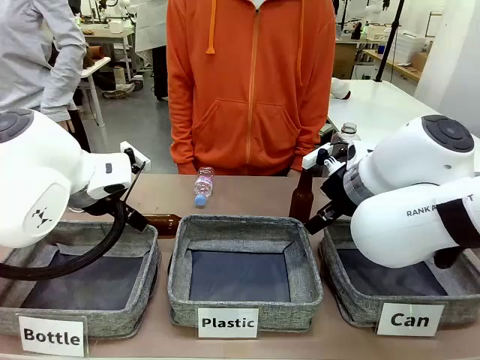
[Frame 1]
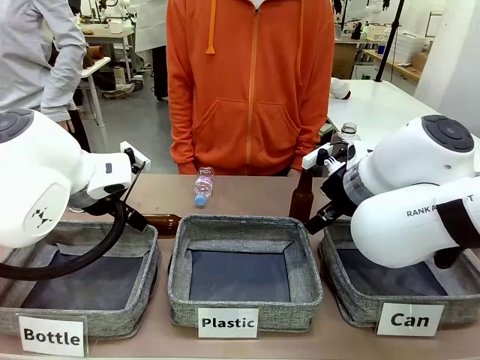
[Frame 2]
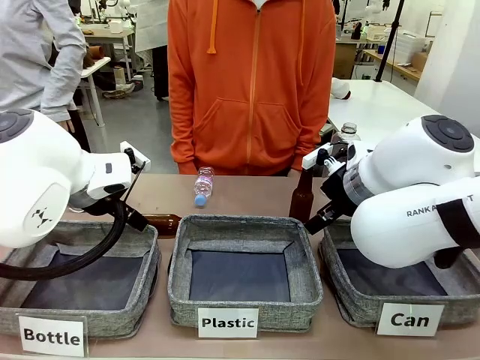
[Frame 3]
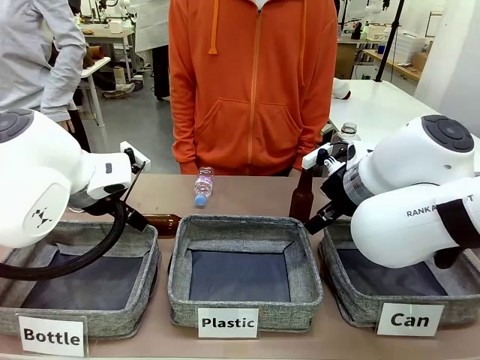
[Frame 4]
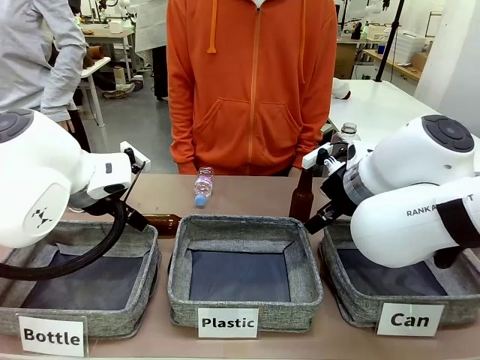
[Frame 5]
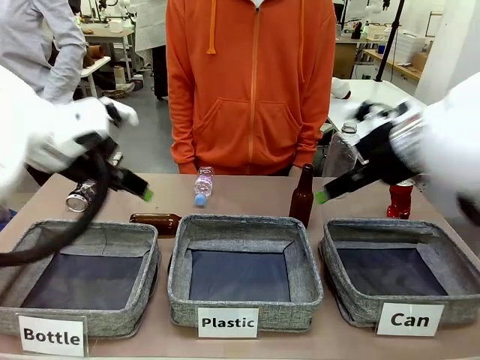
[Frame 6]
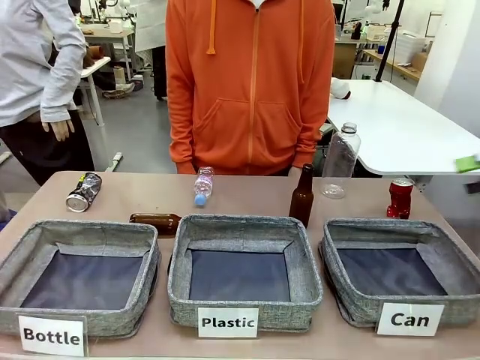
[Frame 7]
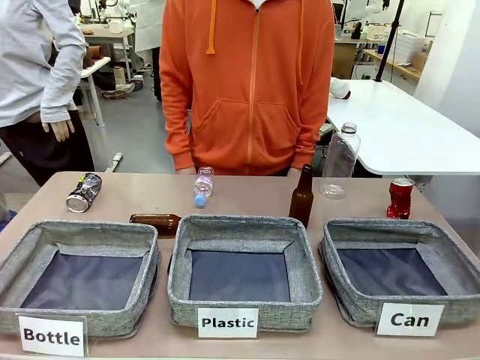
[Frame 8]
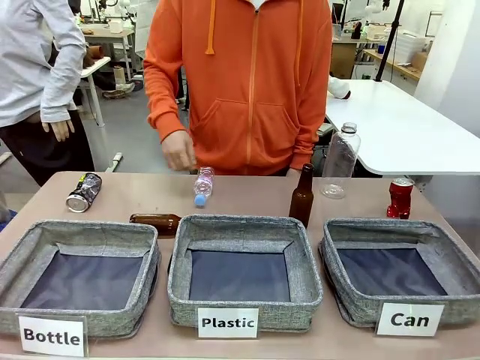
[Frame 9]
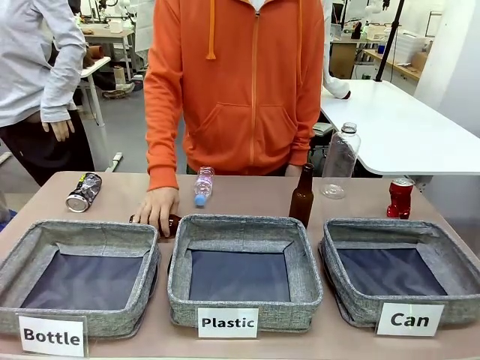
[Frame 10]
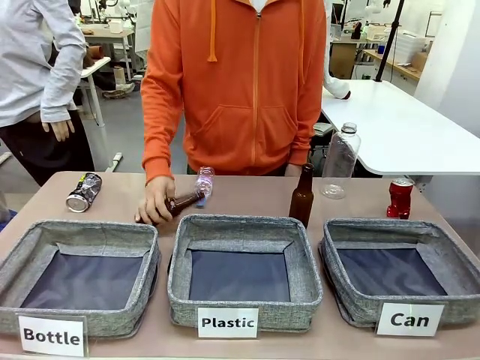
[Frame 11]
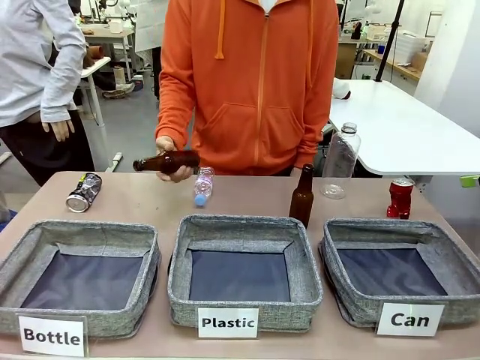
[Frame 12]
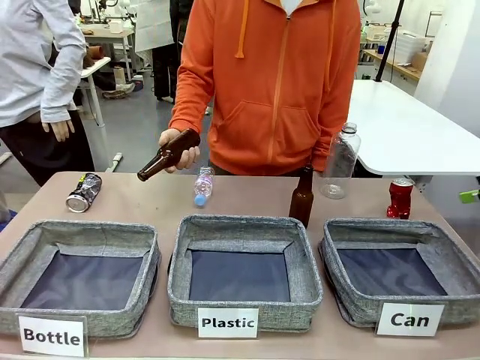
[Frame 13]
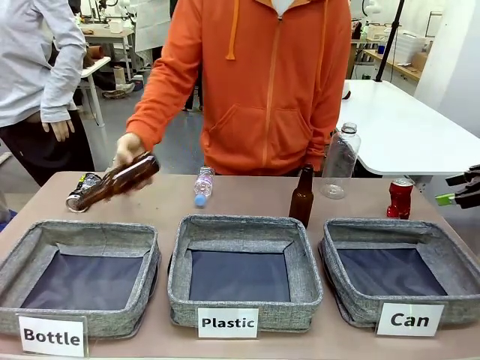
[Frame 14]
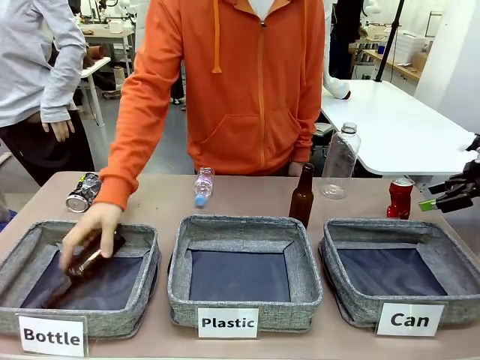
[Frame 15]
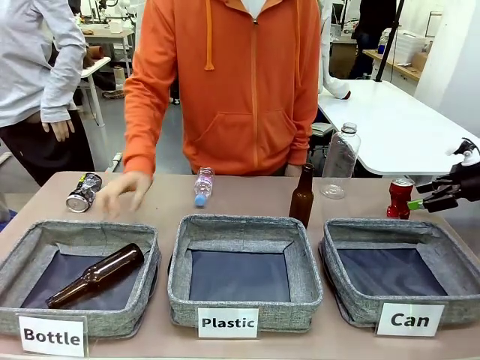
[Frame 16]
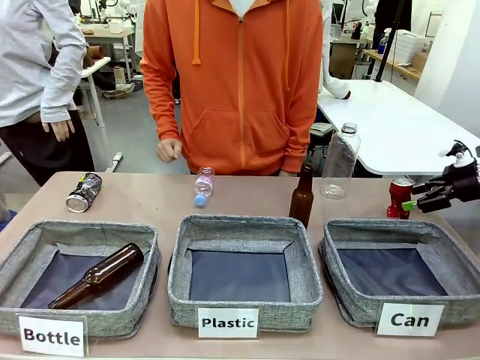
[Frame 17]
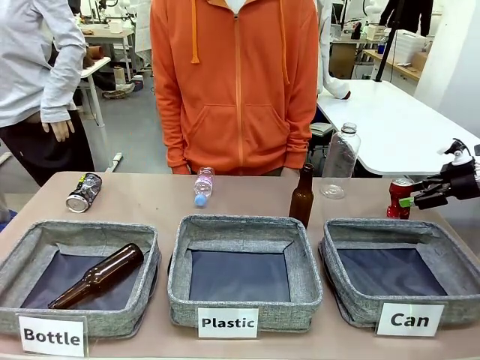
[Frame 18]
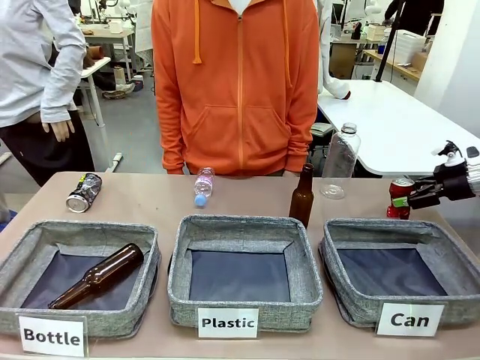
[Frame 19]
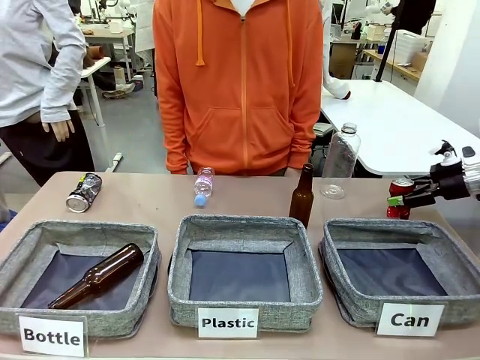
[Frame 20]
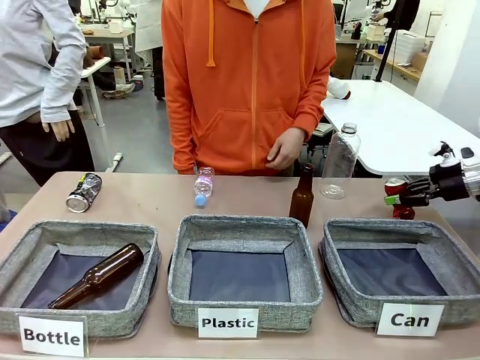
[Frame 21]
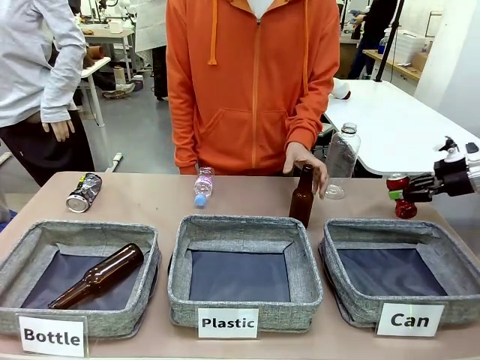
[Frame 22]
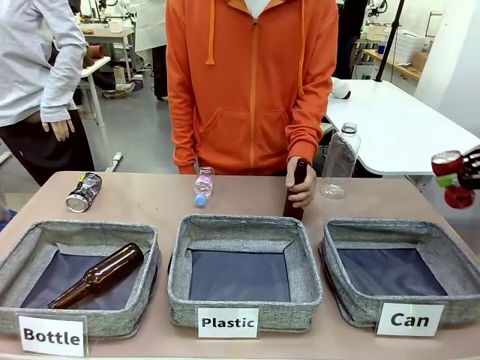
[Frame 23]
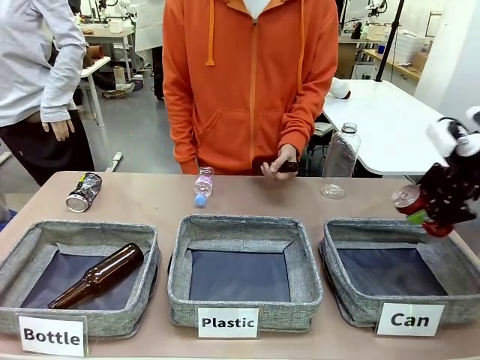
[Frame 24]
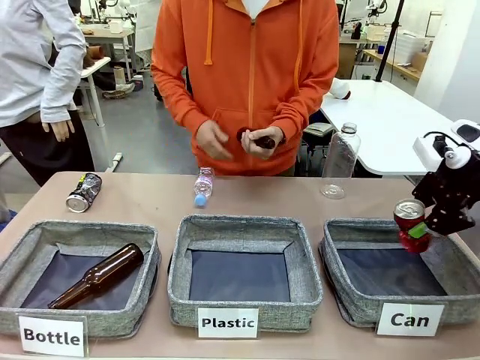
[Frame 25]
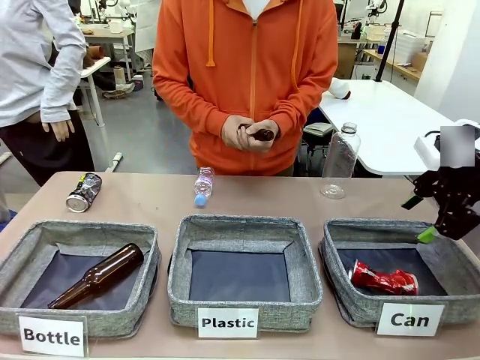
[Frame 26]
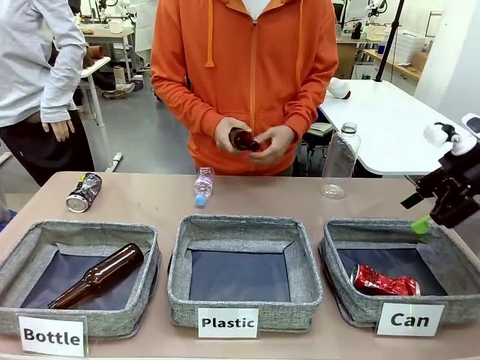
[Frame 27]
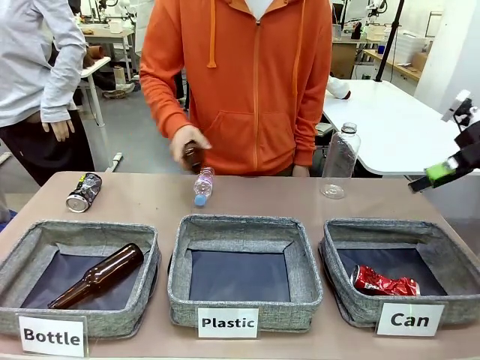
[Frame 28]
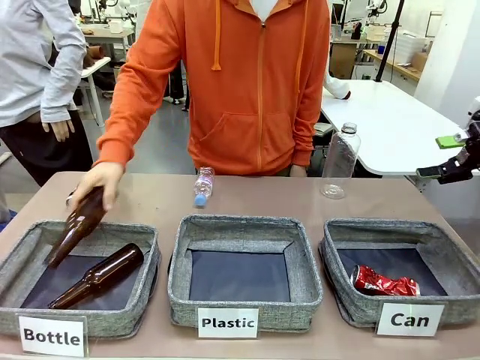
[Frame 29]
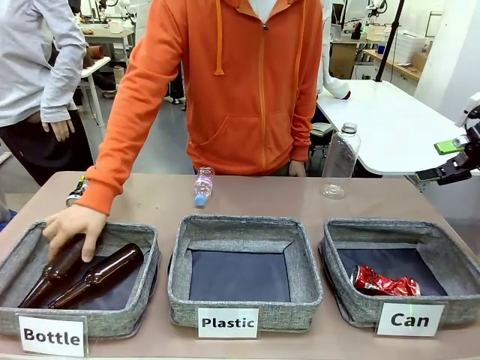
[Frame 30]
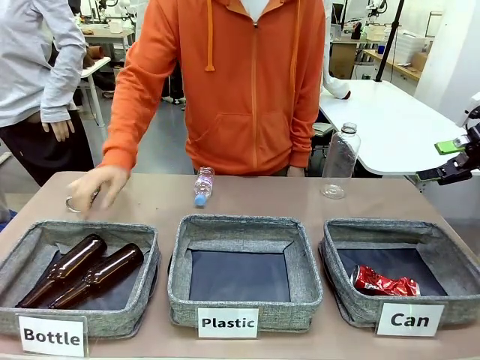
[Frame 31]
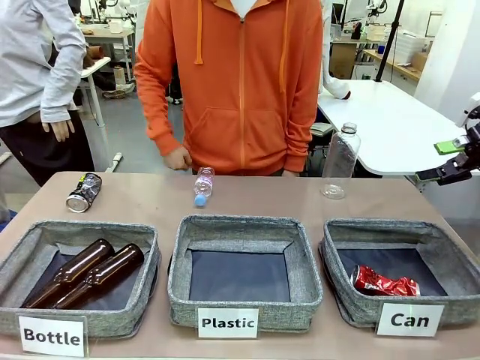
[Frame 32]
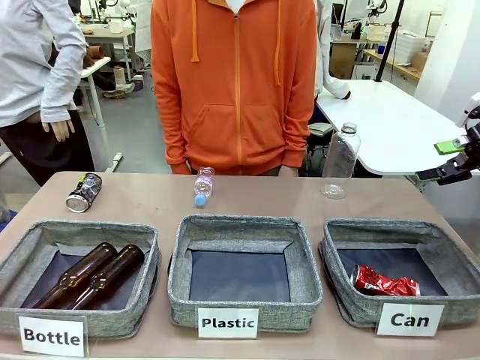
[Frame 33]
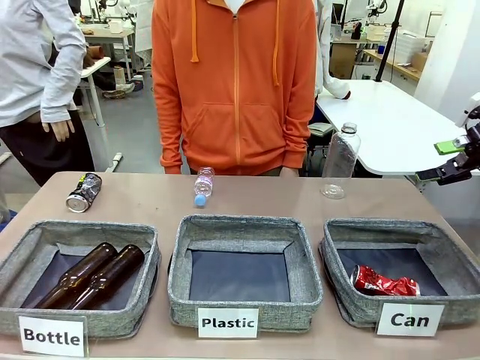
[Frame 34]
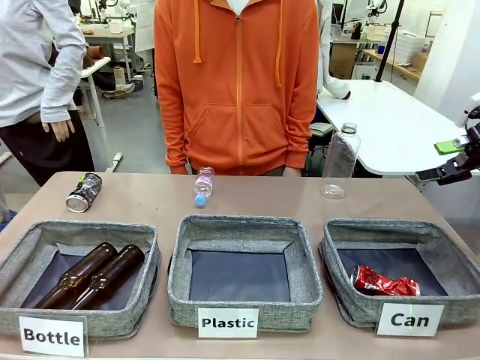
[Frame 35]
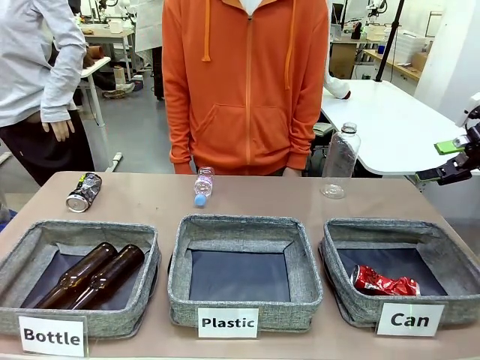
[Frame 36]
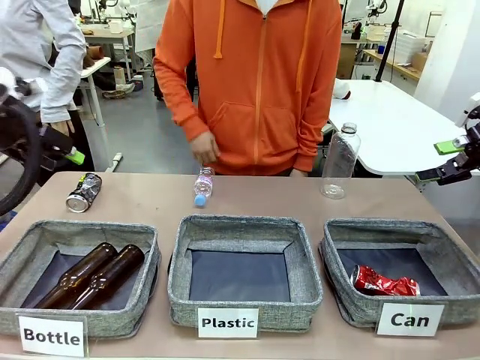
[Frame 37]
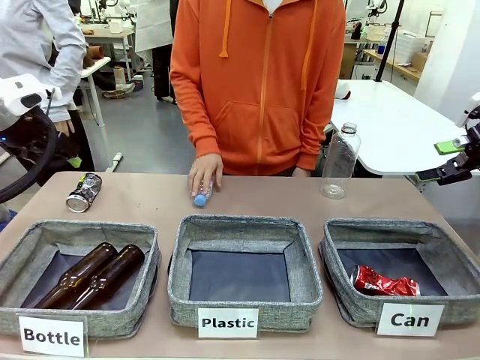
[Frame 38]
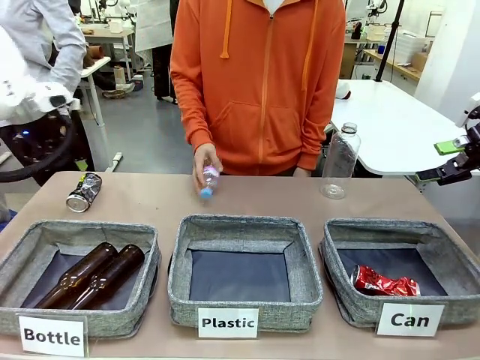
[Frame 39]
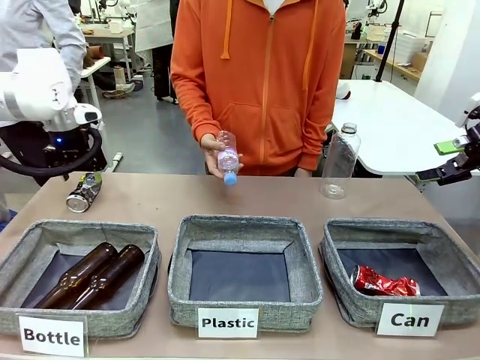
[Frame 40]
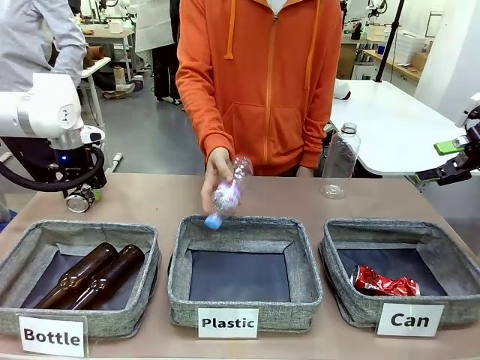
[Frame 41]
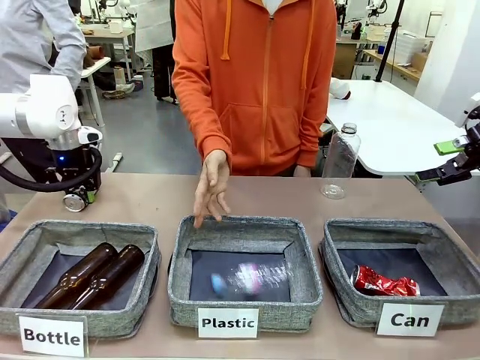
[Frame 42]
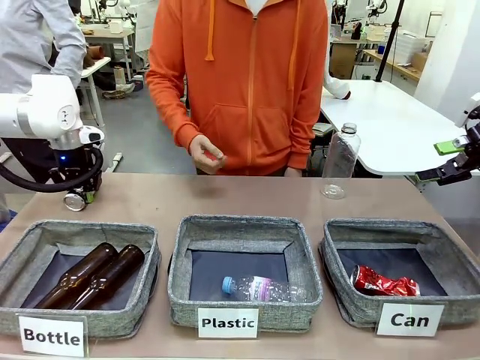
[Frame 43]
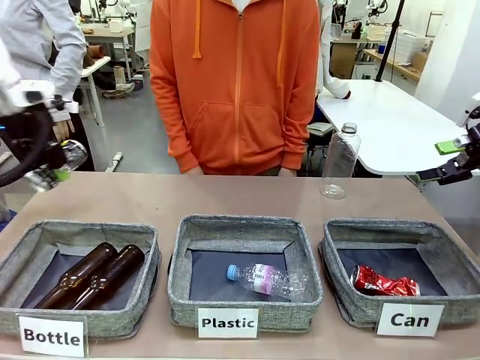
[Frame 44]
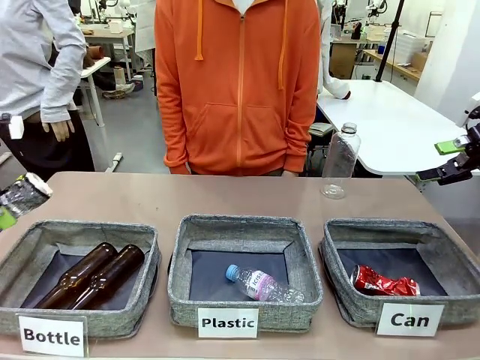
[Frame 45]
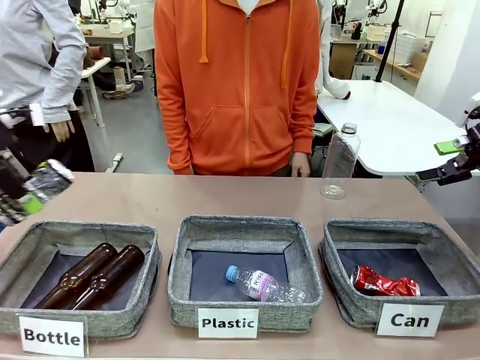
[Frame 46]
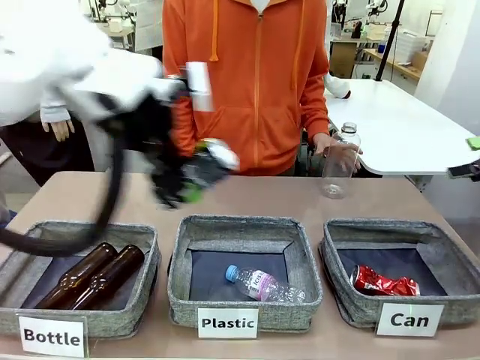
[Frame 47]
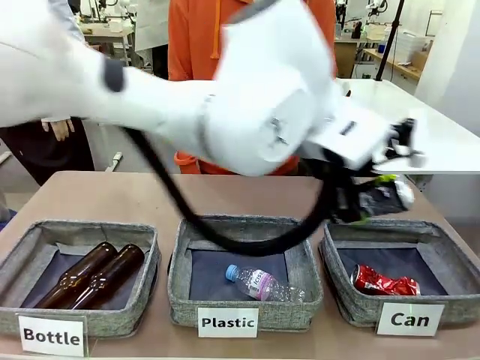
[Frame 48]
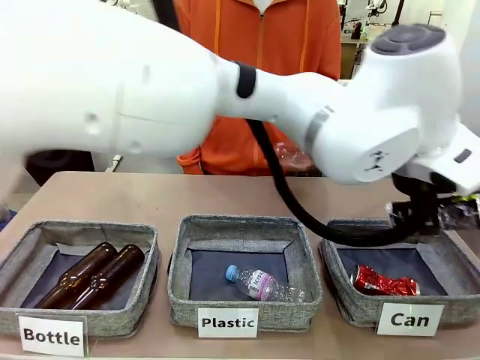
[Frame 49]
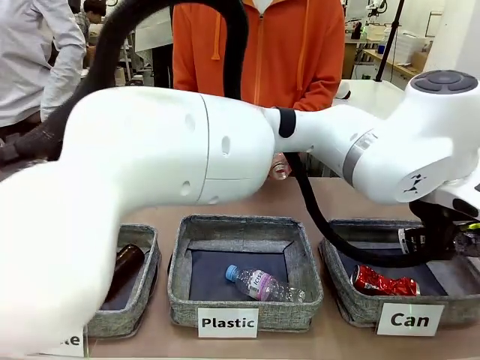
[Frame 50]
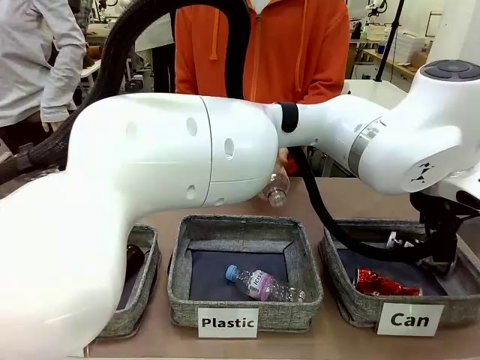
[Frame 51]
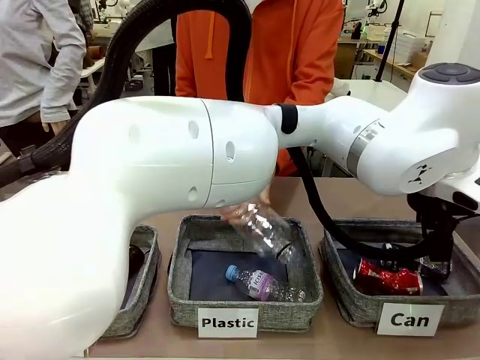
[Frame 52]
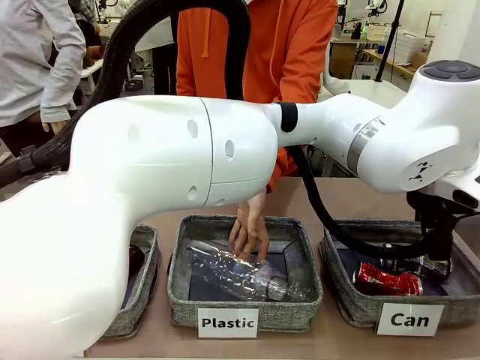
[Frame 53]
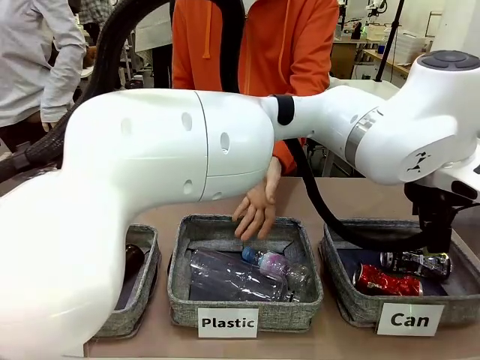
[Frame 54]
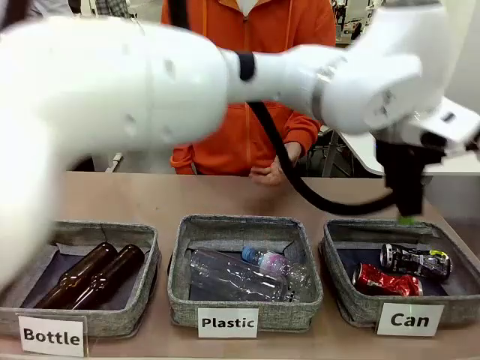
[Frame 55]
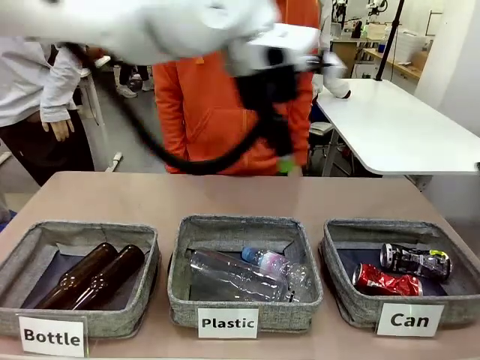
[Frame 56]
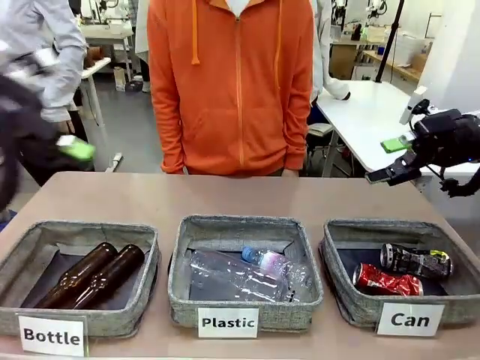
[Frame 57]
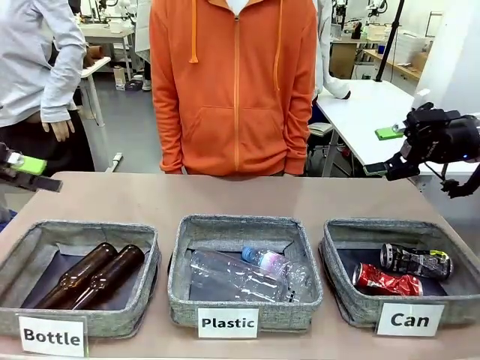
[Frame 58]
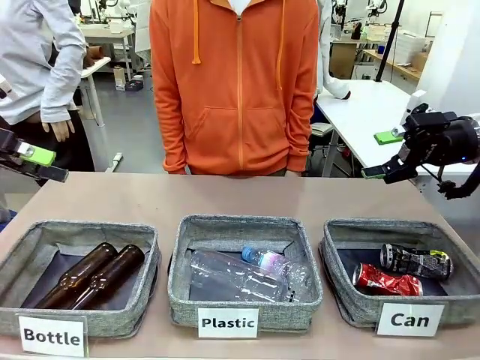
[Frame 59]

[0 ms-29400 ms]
Task: Sort the can waste into the basket.
Robot: Pick up the can waste from the table and place it in the right Fabric basket.
Person: The human picks up one piece of trash that is not a can and places the trash into the appropriate organizing basket.
